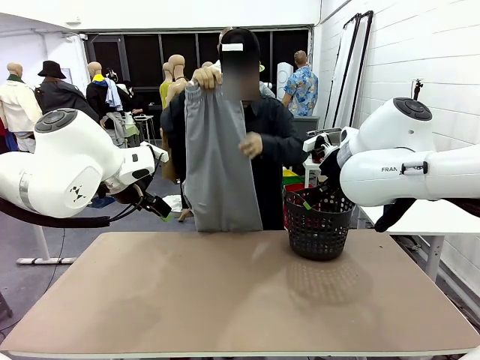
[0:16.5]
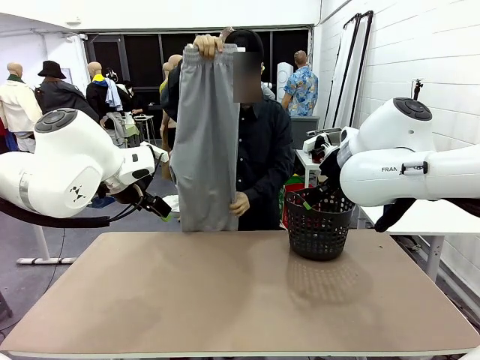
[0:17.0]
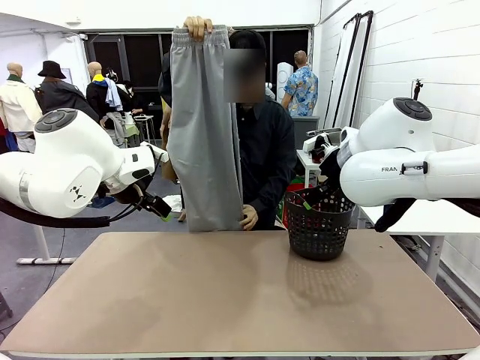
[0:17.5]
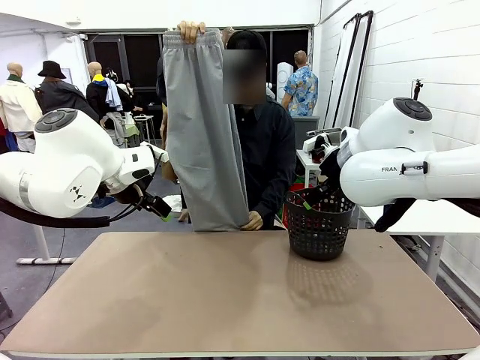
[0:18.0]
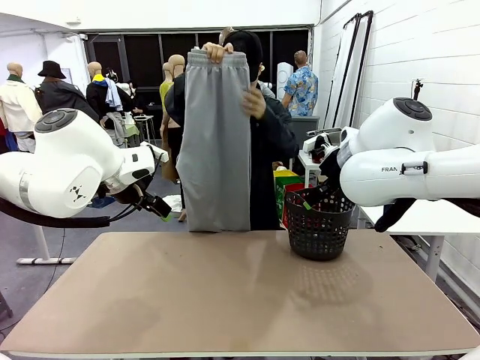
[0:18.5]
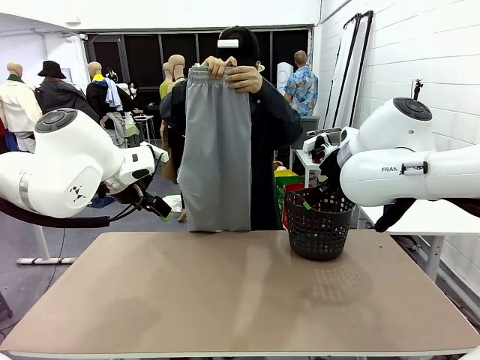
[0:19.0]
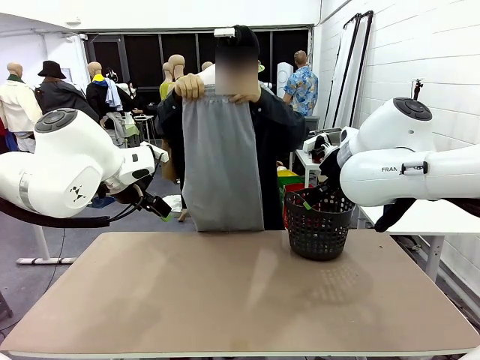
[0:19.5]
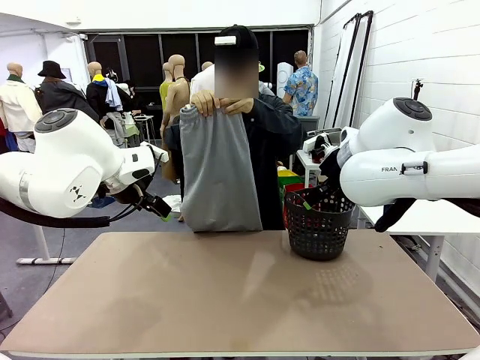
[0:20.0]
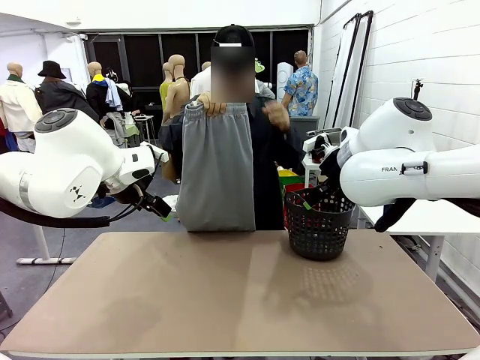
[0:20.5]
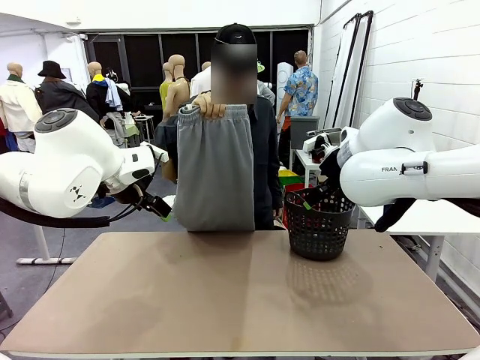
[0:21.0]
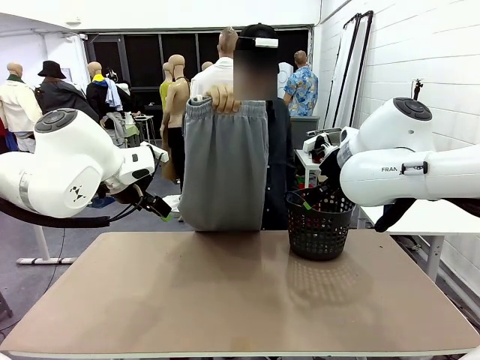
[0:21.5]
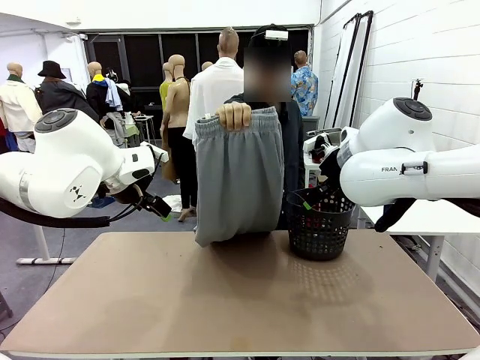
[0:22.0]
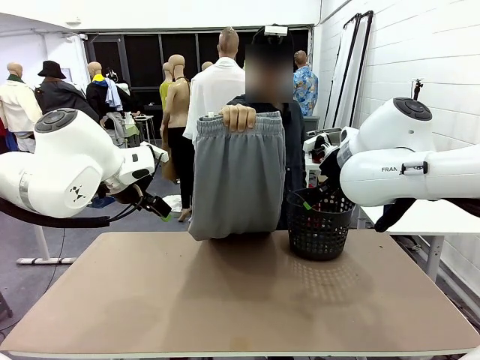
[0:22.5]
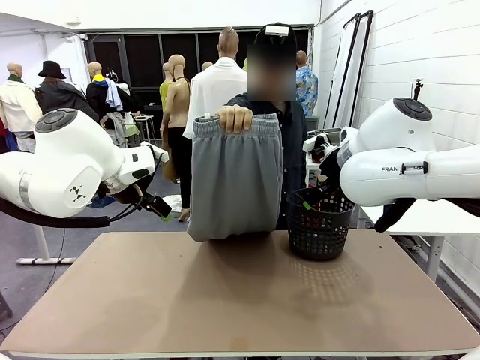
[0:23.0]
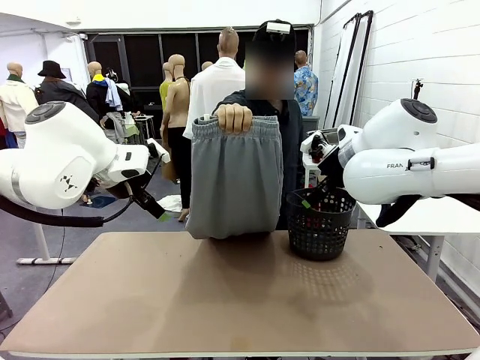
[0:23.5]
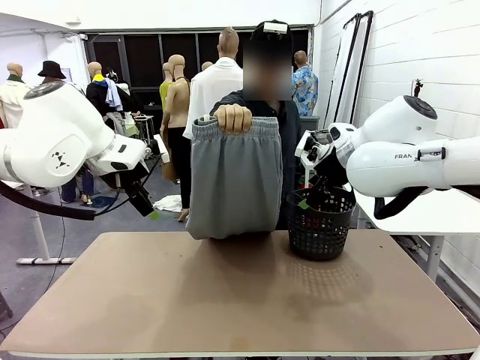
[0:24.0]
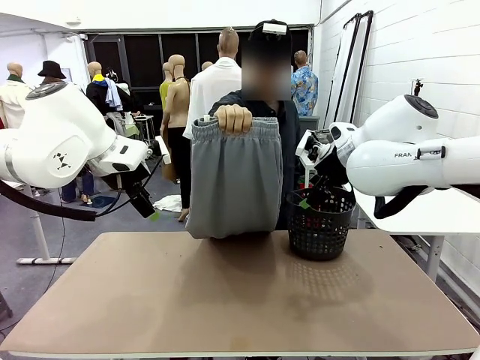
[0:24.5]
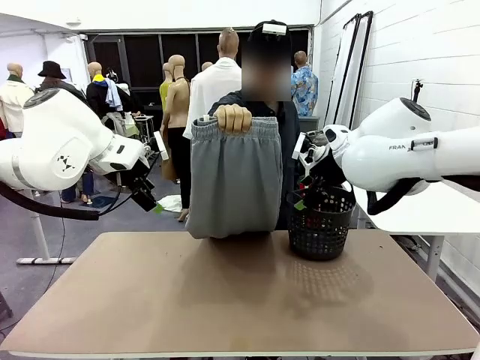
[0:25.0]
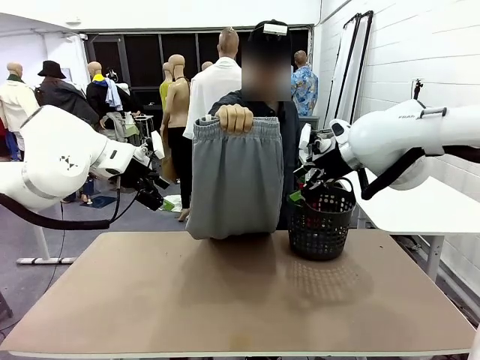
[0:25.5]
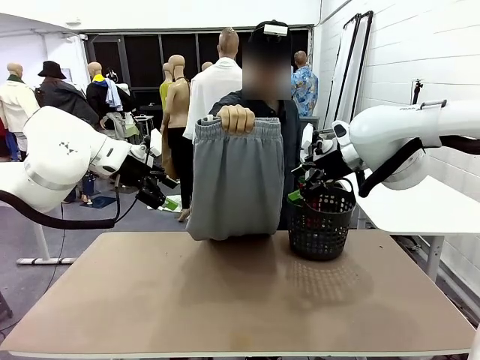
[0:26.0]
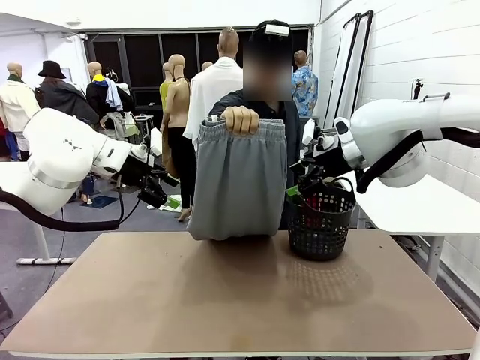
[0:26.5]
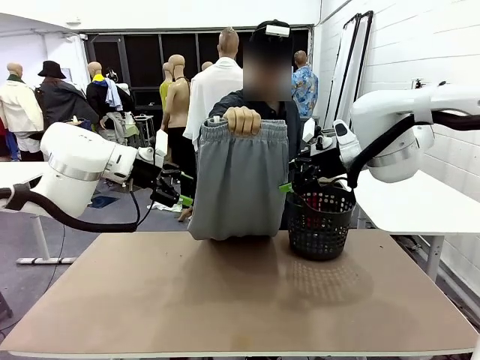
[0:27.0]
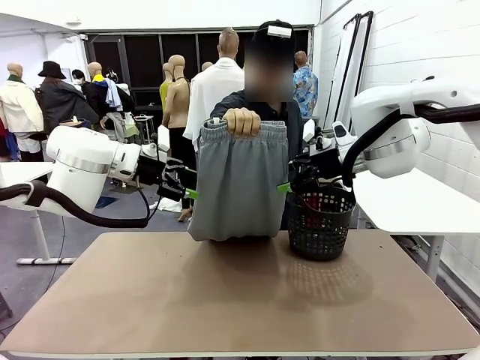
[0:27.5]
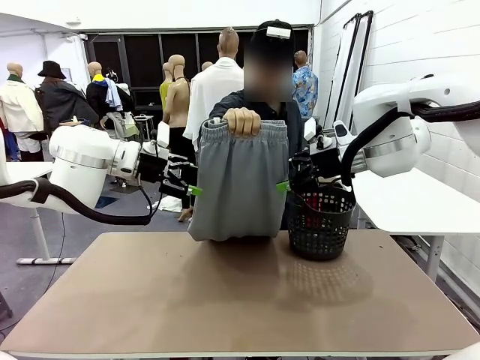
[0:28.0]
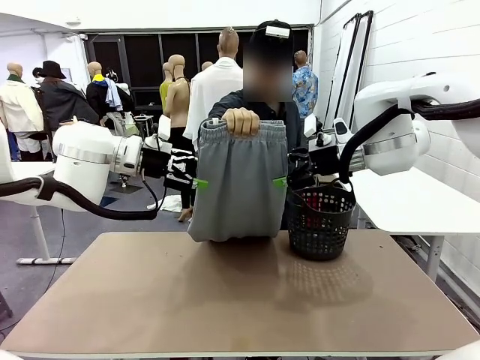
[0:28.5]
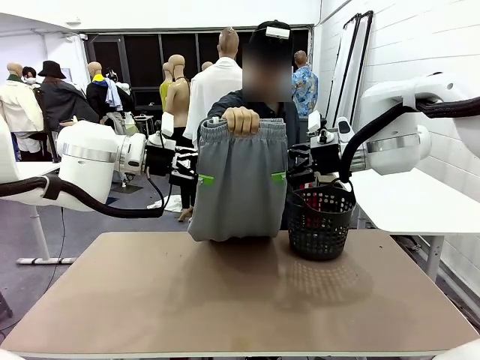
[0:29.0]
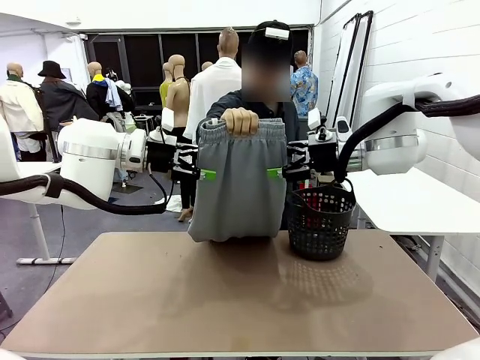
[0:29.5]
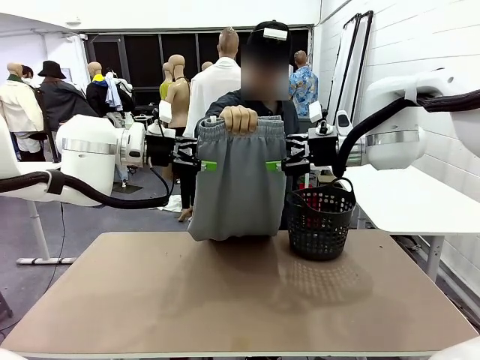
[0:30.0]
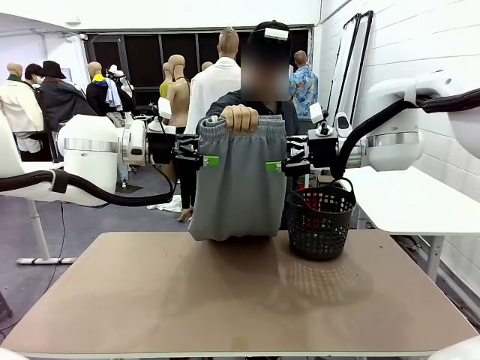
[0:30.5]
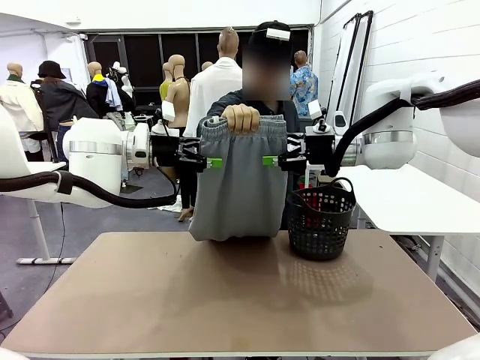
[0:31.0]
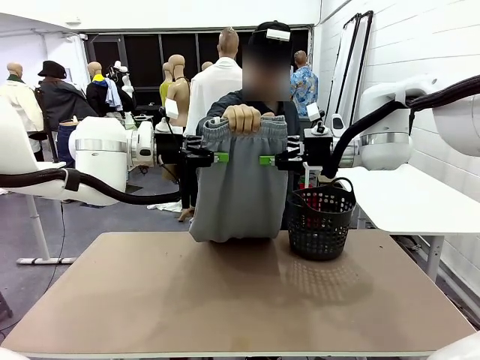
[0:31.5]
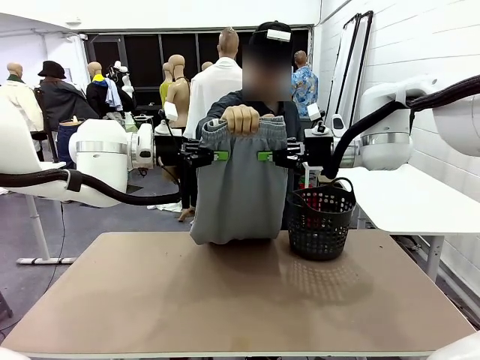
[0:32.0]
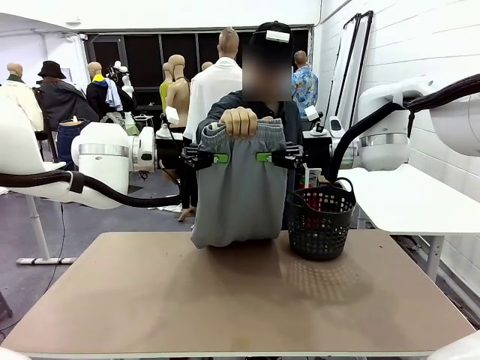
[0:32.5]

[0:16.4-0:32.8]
Task: Fold the training pants.
Robot: Grab both ends of the Training pants handed by a person.

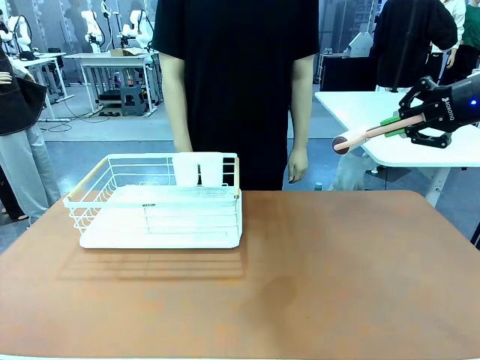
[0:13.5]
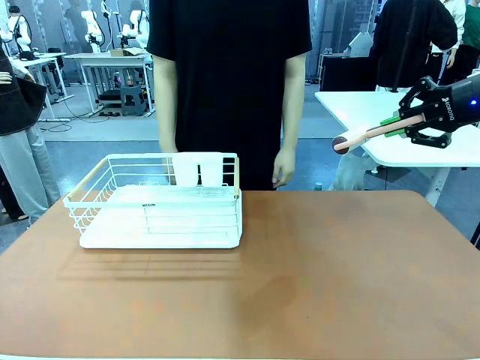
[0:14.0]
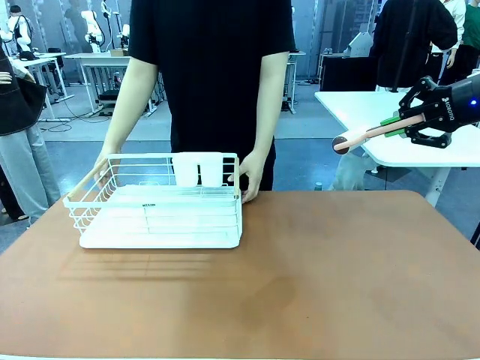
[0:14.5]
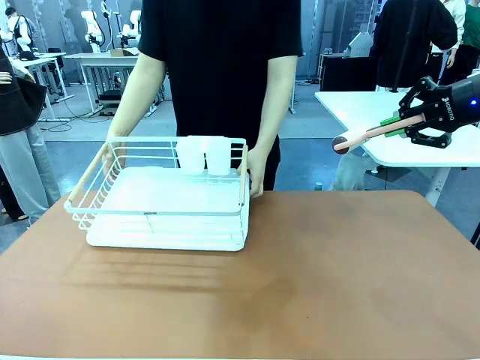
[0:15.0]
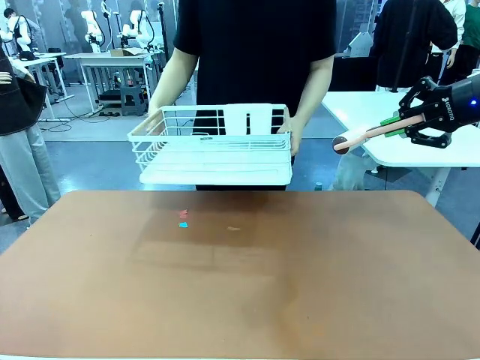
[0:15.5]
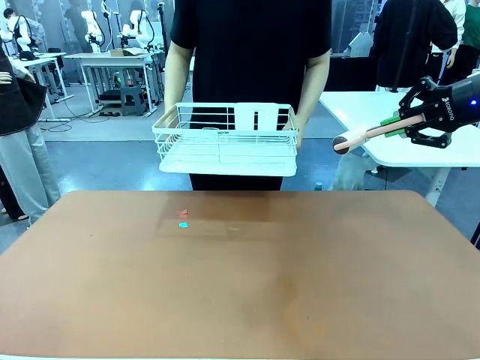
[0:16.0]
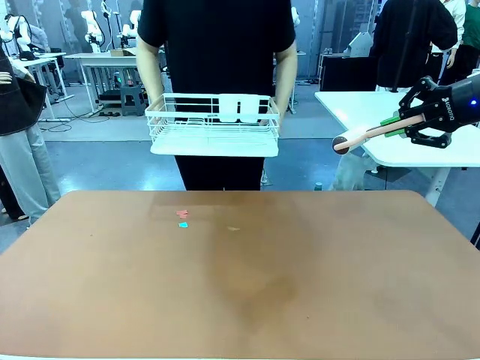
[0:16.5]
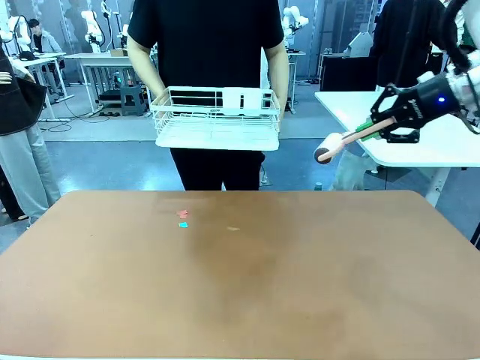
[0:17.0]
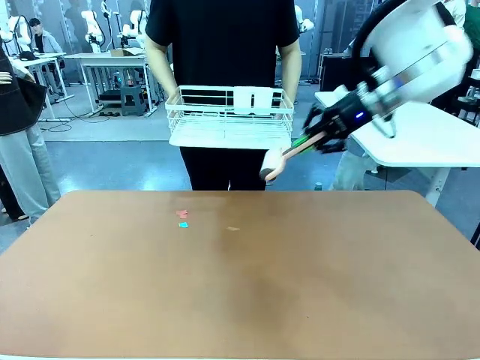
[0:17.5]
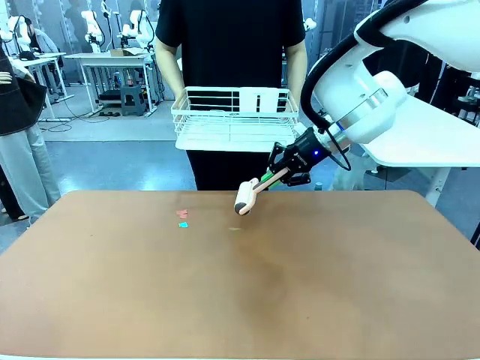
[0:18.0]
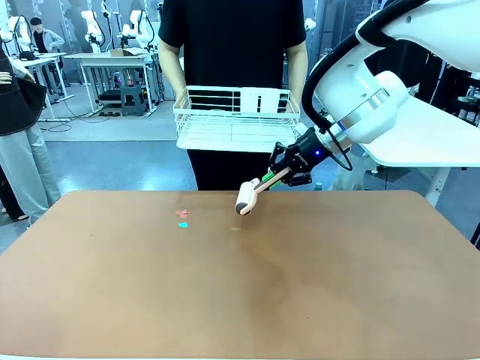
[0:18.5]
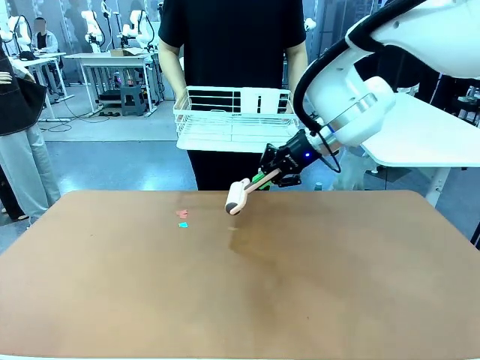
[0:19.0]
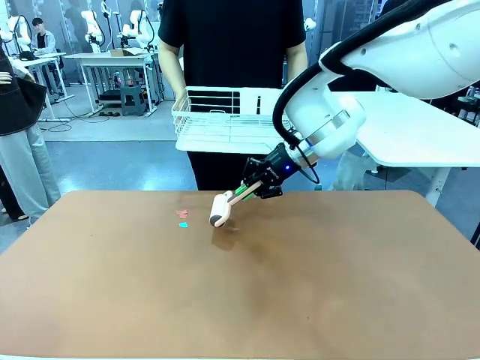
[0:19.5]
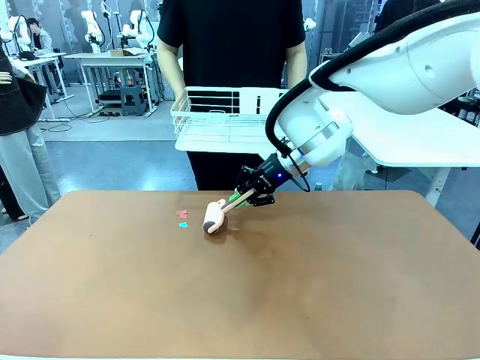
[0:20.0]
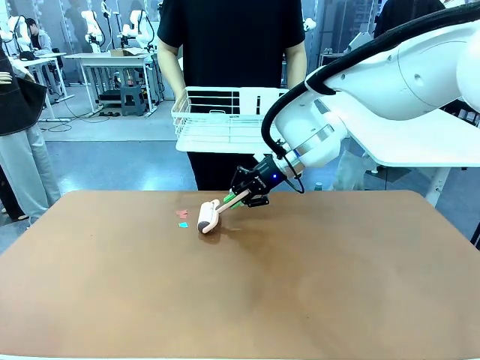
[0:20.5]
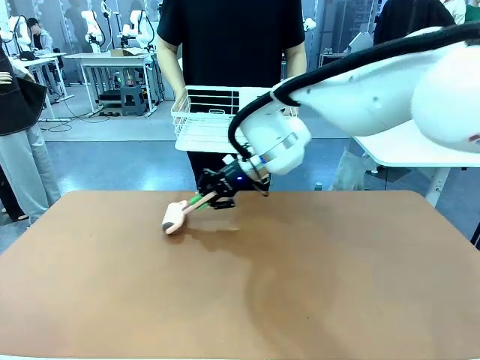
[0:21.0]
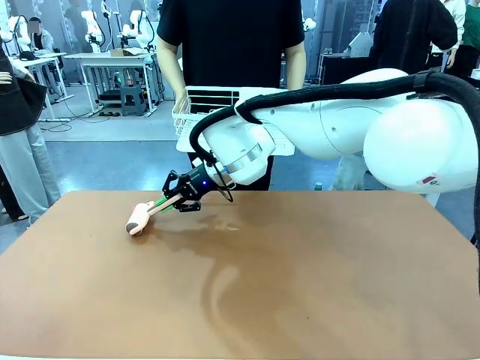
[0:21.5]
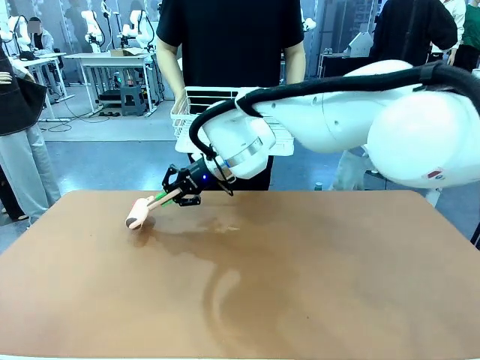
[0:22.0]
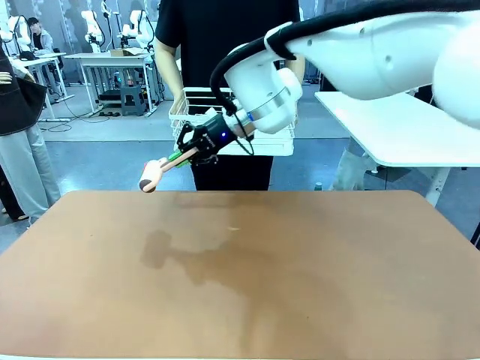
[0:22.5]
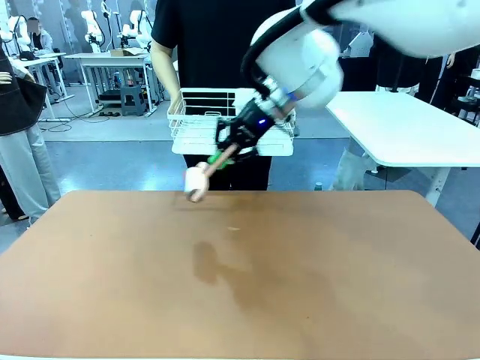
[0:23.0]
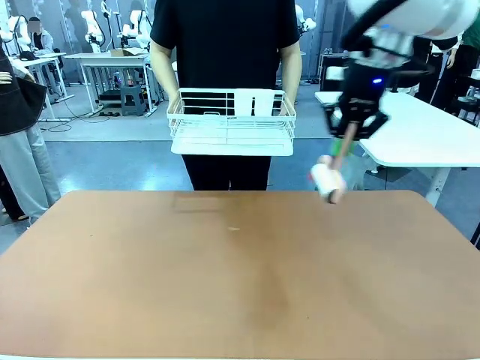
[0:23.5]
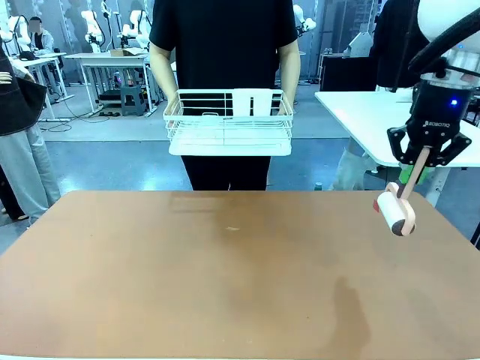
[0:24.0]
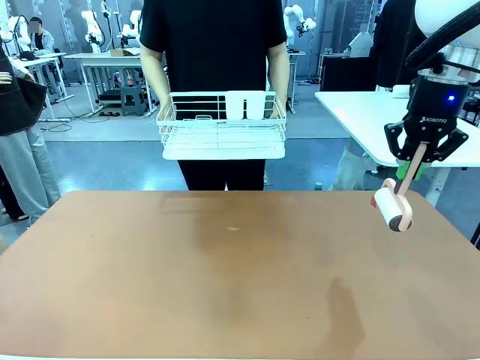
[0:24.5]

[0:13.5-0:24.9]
Task: Clean the table.
Robot: Clean the table with the Lint Roller when the human lifts the Dish drying rack.
Person: Place the Dish drying rack down when the robot finishes cleaning.
